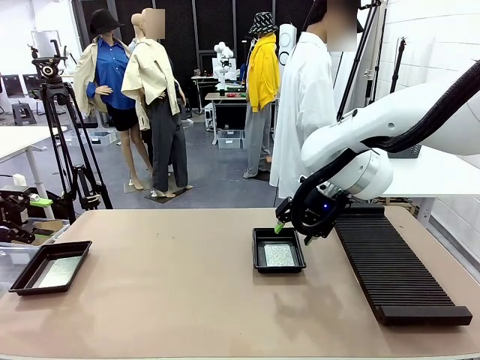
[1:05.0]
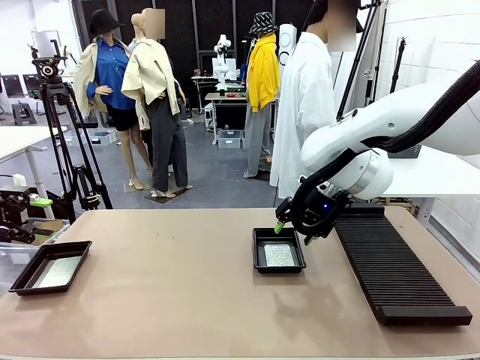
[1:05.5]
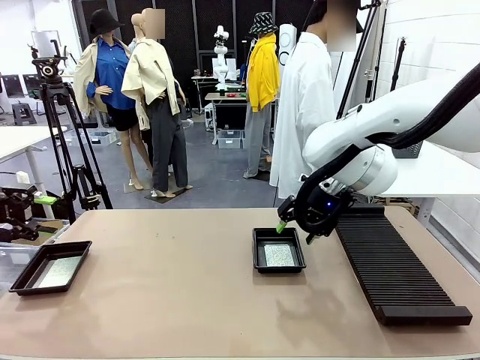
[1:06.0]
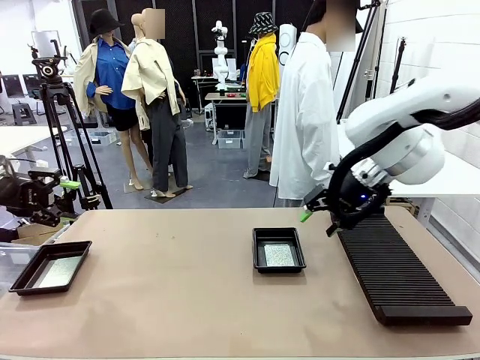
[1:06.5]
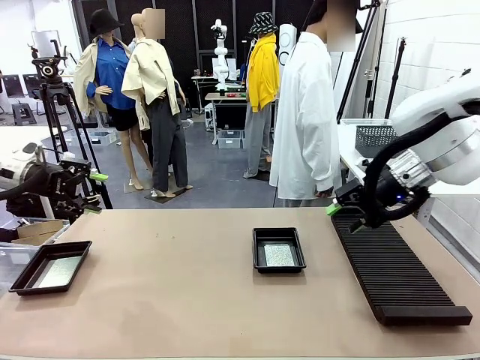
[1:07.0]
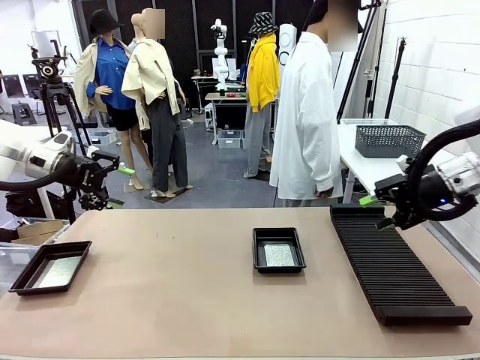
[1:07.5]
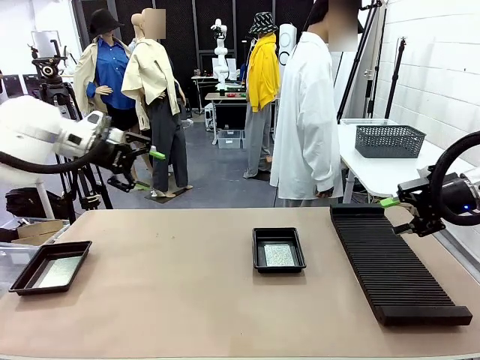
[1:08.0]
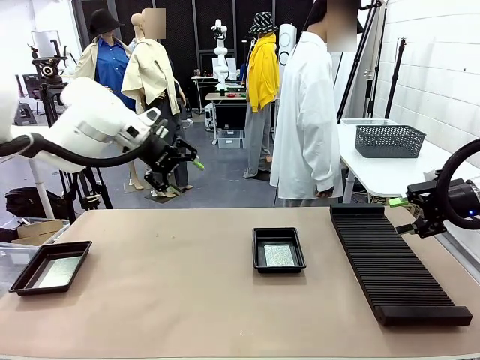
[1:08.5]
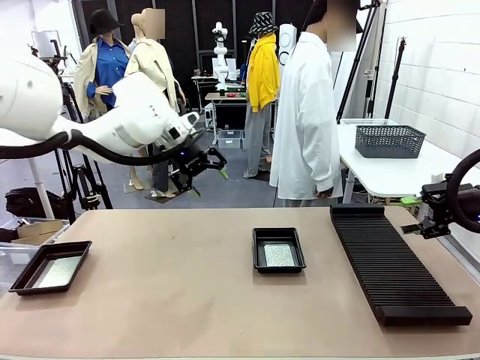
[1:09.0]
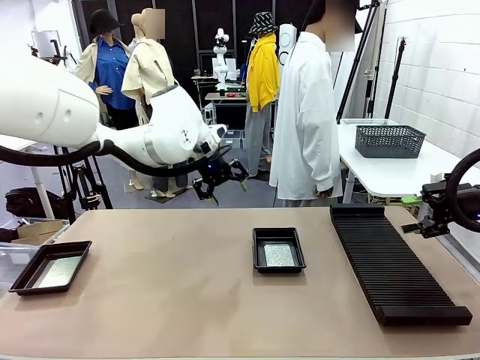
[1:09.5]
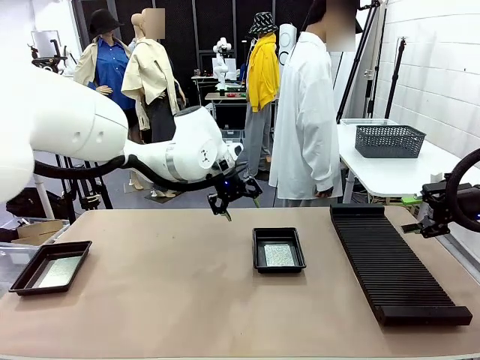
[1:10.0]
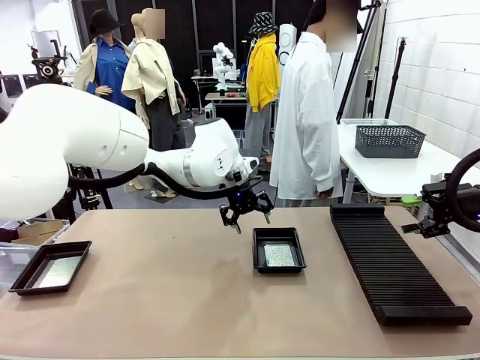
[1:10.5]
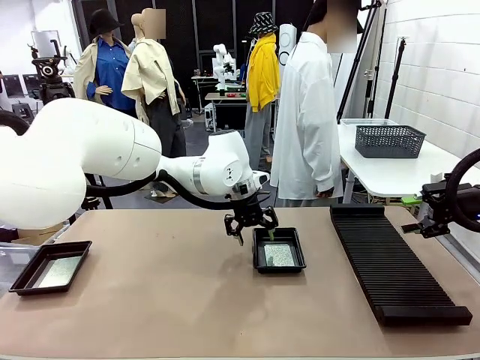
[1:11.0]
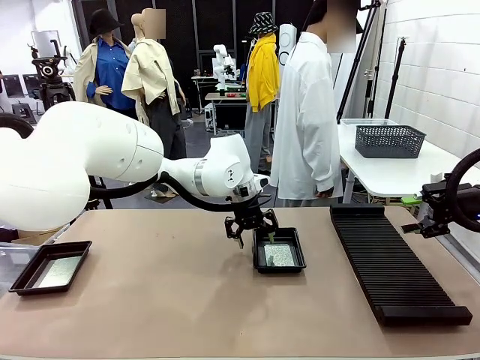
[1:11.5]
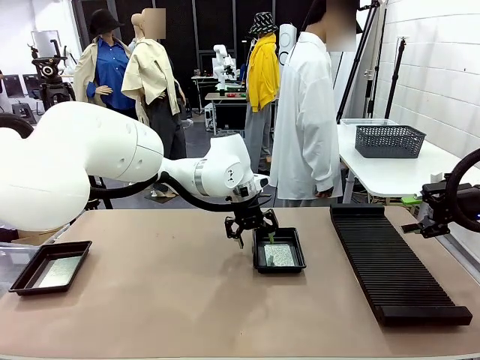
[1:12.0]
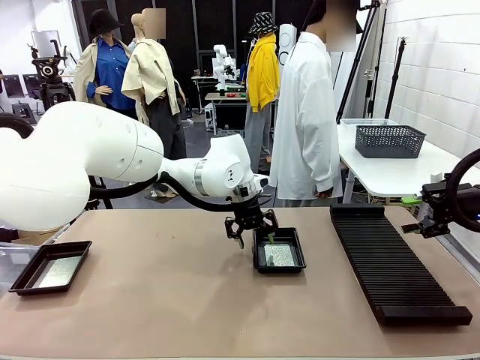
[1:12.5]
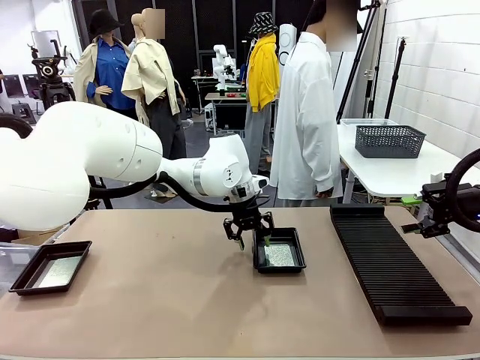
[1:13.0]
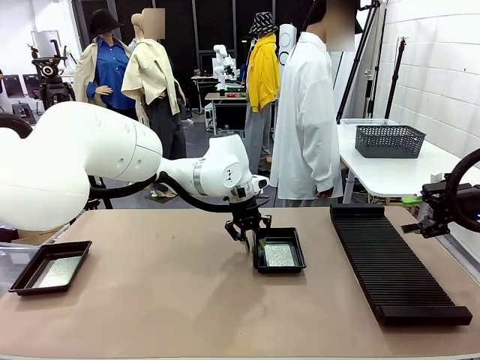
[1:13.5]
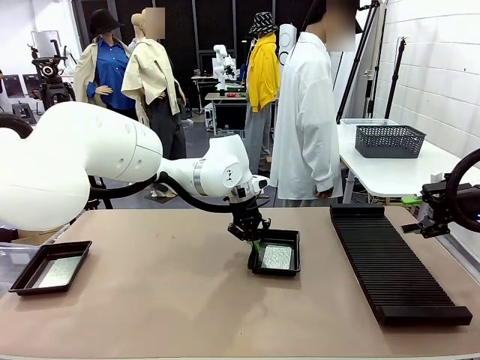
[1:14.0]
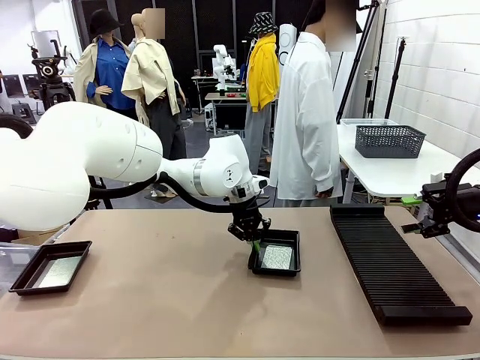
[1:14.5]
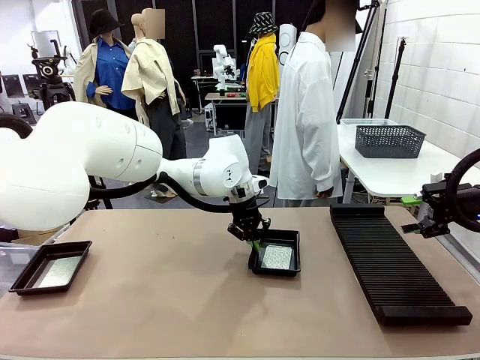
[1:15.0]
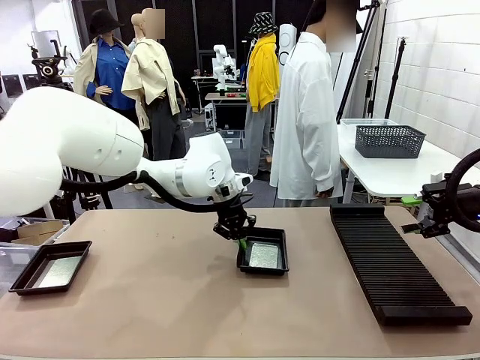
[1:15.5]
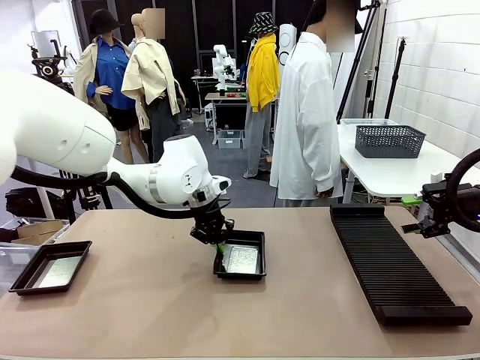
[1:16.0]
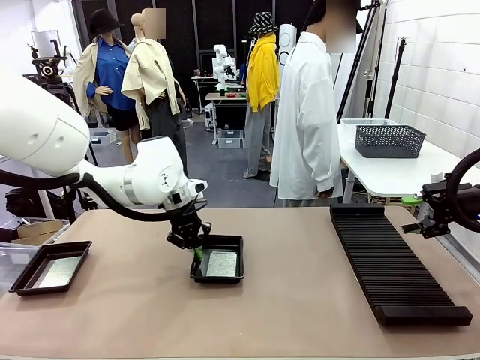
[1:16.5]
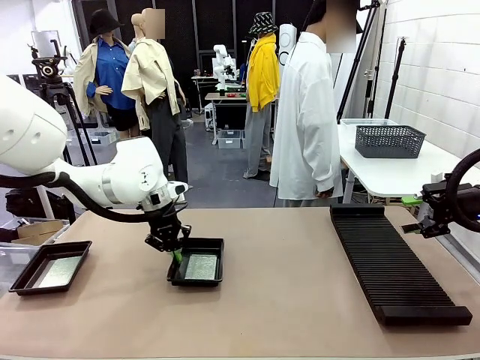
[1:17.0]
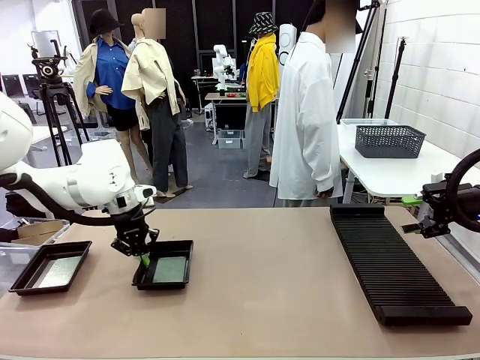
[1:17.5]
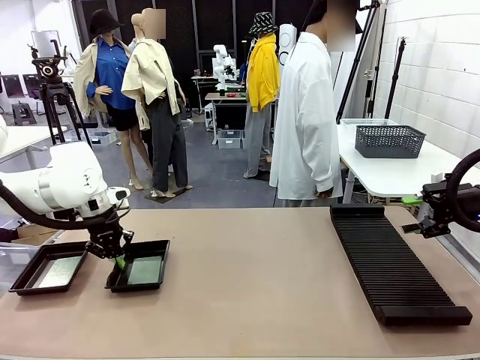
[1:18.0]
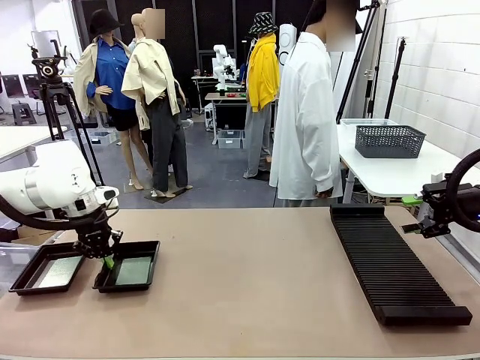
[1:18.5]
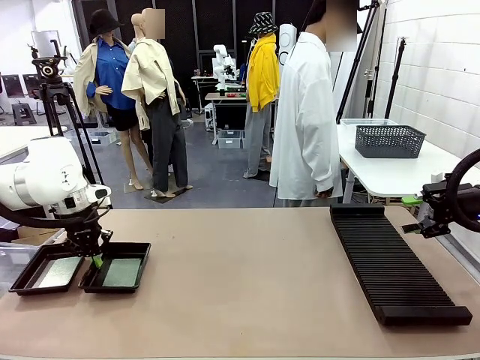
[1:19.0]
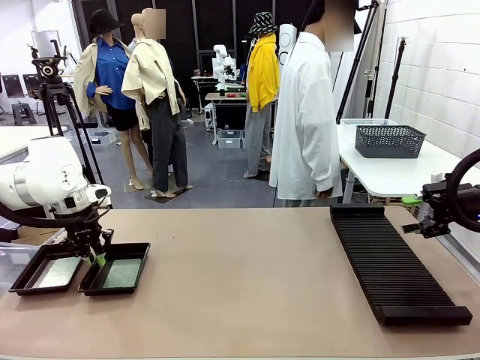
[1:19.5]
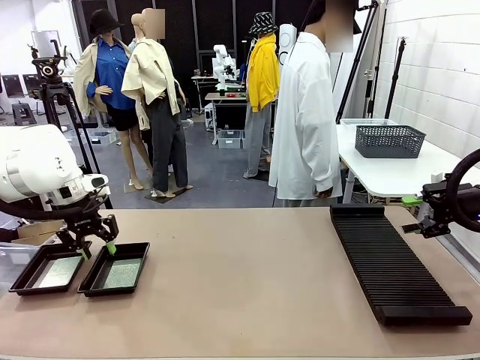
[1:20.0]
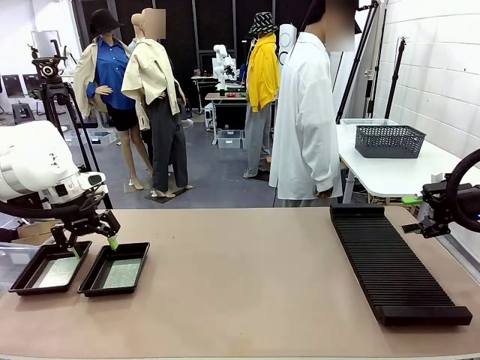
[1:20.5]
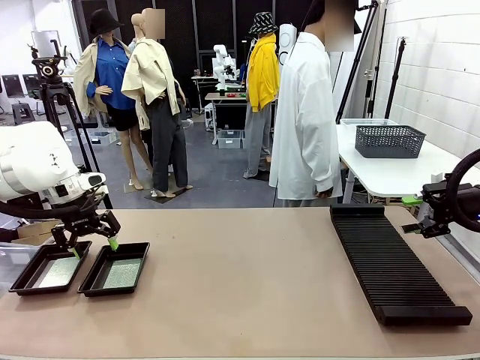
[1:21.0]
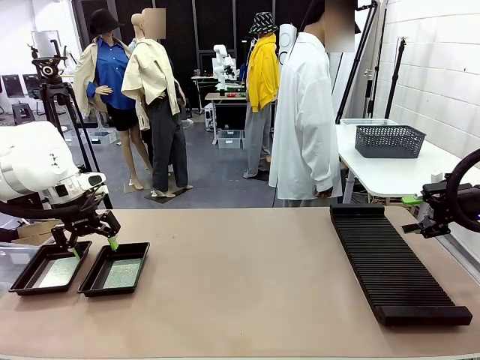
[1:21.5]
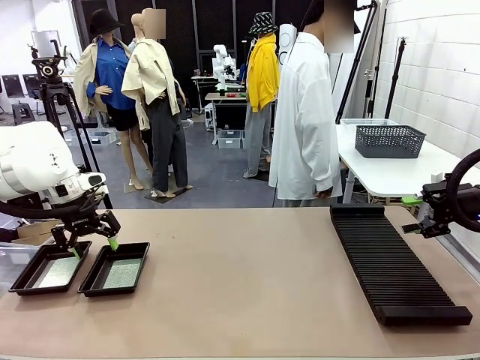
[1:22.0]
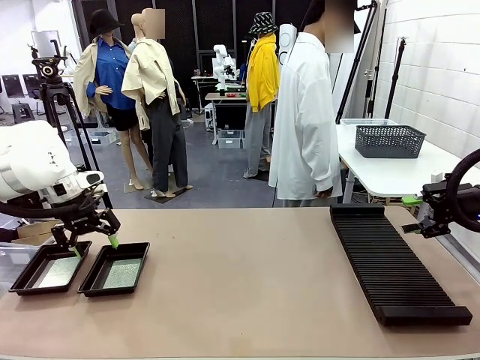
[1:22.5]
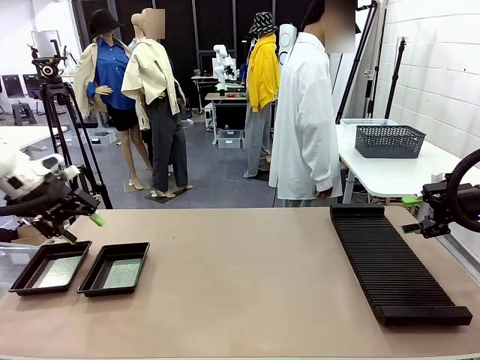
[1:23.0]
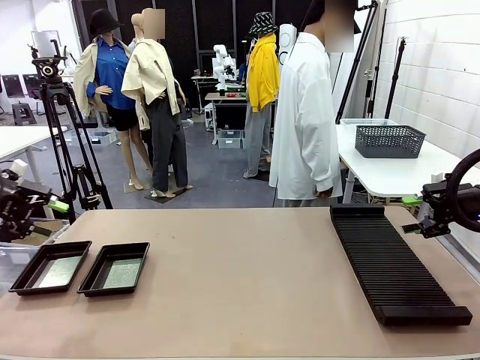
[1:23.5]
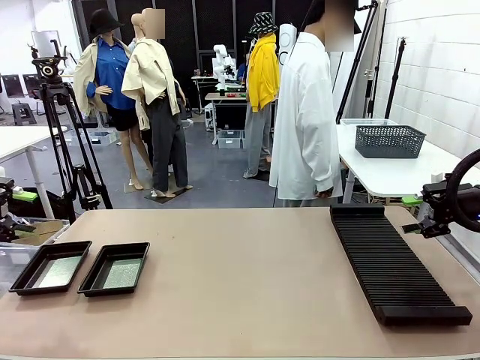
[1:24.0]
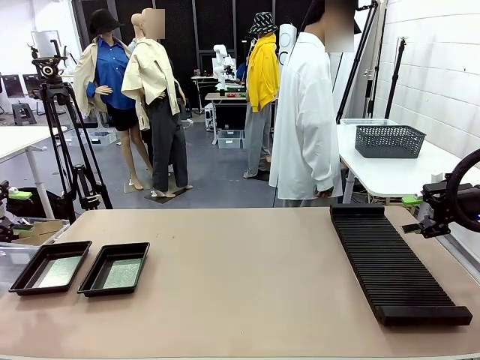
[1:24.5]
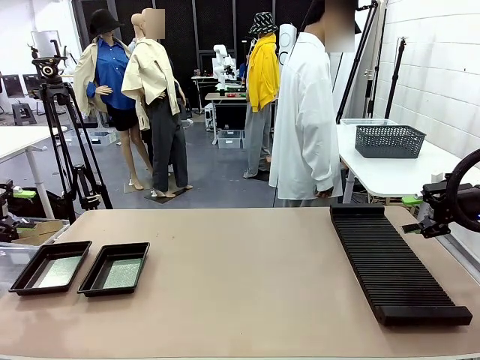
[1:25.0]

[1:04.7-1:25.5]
Task: Inspect and transfer BCBs to ESD trays.
Robot: Pick up the ESD tray and place it on the left side of the table.

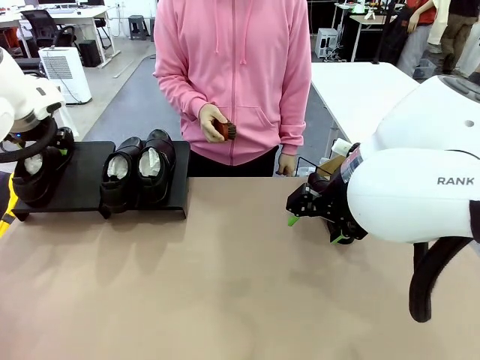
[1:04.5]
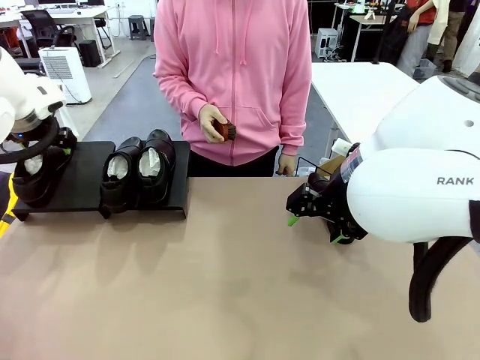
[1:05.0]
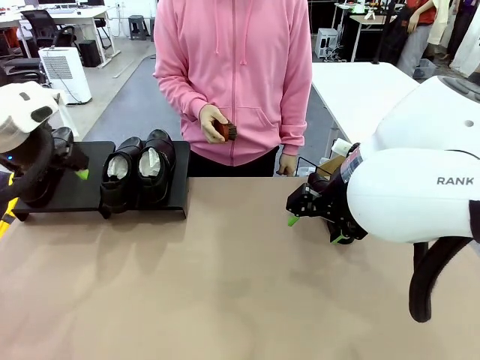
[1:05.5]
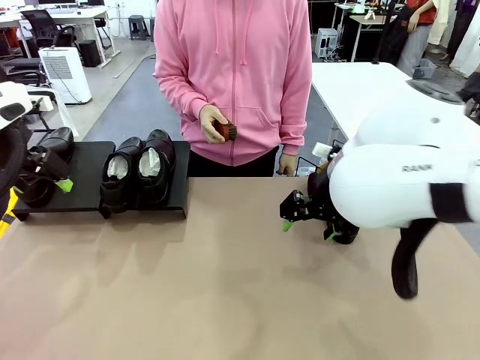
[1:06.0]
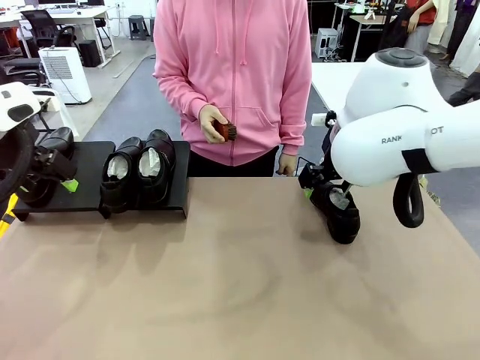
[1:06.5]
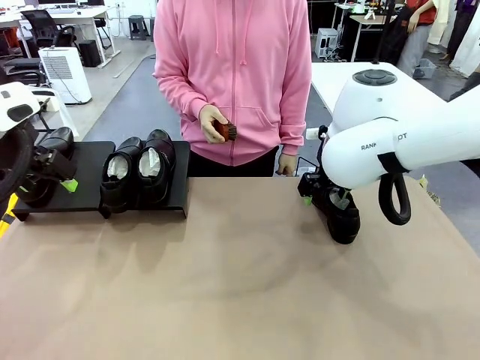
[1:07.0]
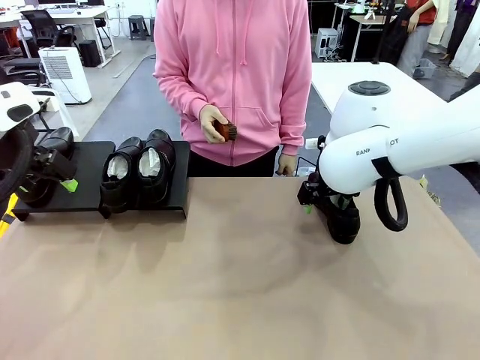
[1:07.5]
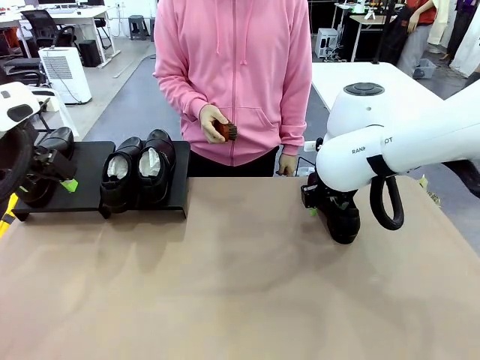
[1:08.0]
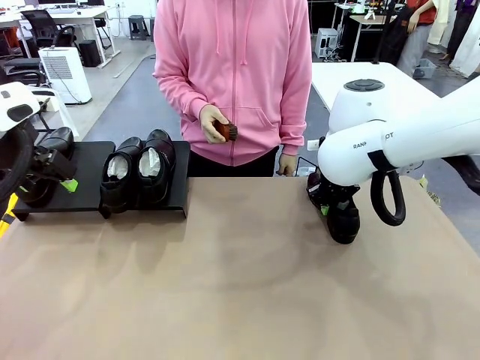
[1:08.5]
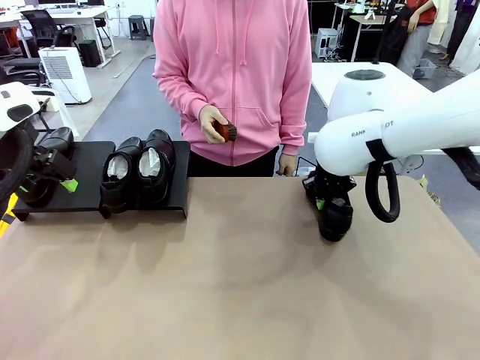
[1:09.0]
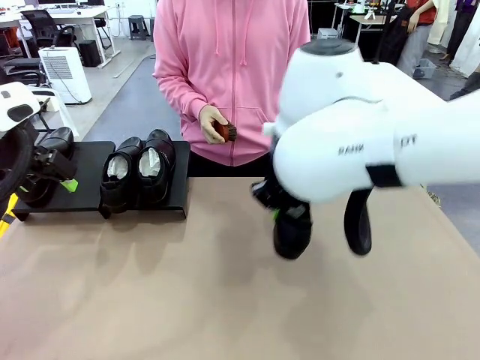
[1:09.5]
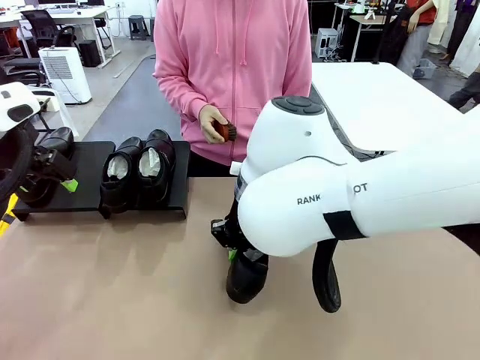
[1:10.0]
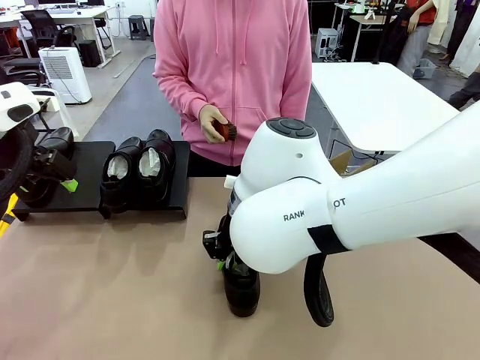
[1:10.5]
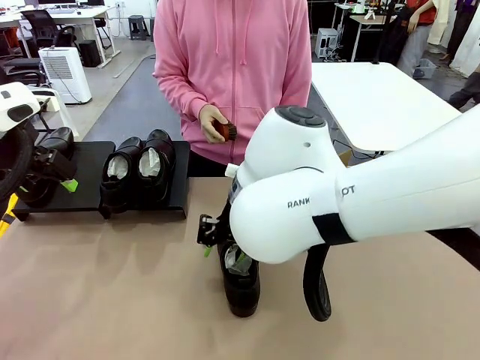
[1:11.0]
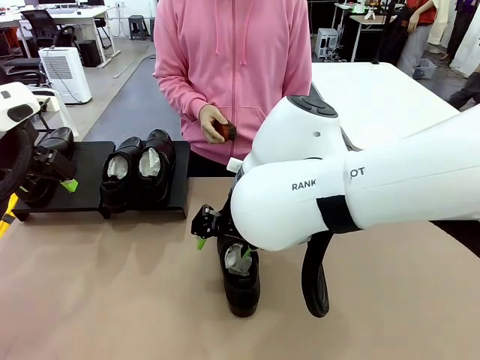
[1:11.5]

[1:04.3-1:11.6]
Task: Organize the shoes by placing them on the stand.
Robot: Pick up one Shoe and place it in the middle of the table.
